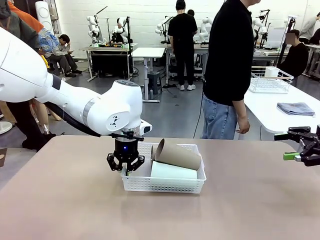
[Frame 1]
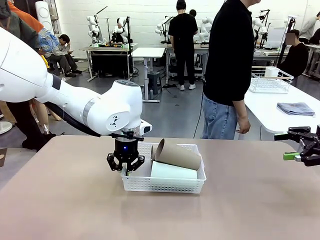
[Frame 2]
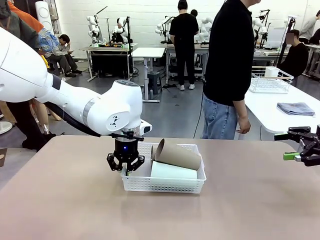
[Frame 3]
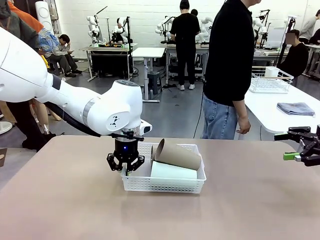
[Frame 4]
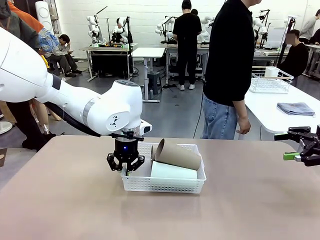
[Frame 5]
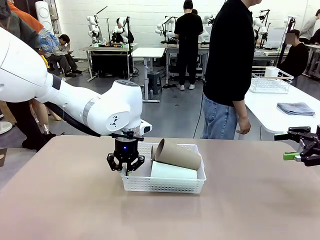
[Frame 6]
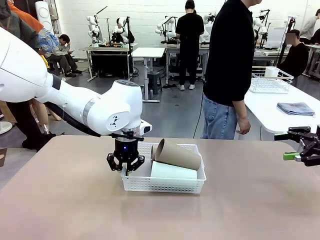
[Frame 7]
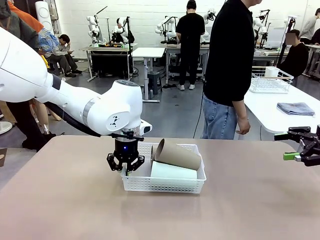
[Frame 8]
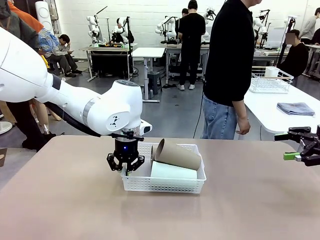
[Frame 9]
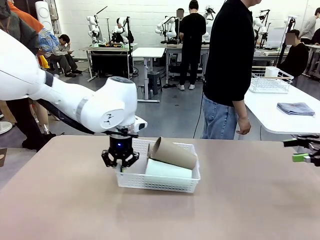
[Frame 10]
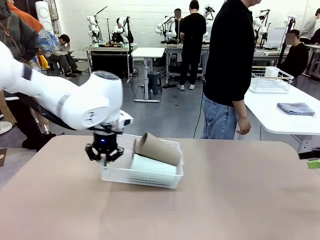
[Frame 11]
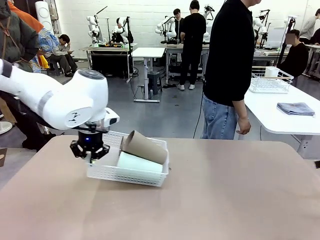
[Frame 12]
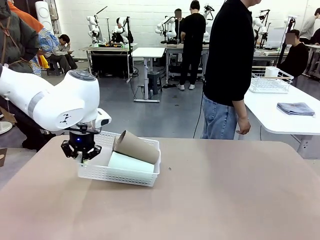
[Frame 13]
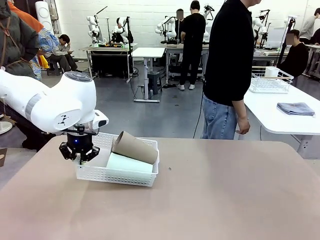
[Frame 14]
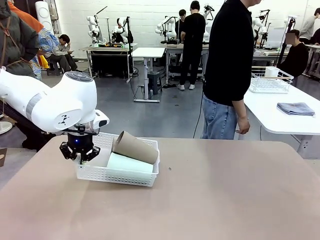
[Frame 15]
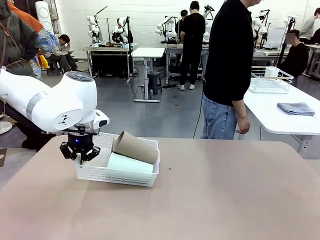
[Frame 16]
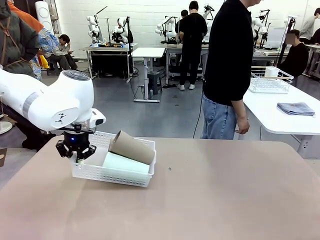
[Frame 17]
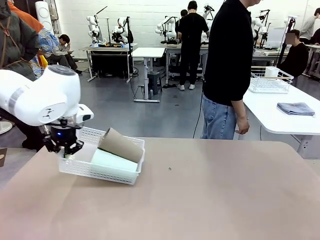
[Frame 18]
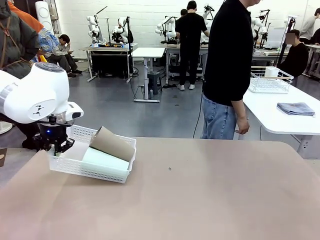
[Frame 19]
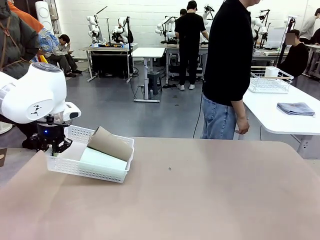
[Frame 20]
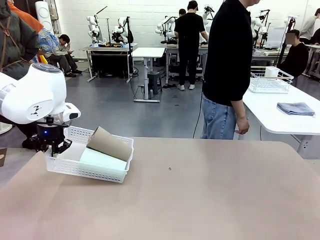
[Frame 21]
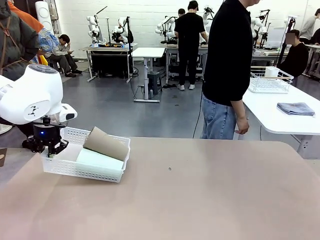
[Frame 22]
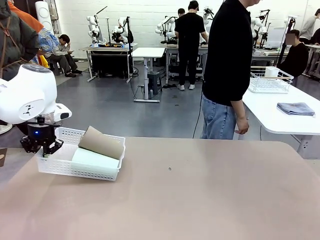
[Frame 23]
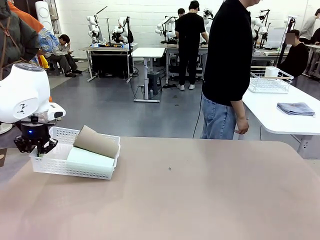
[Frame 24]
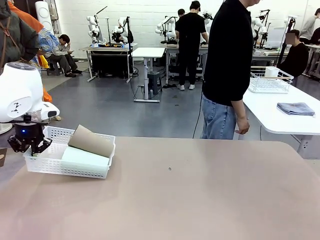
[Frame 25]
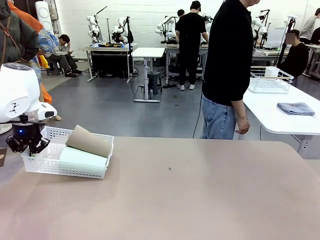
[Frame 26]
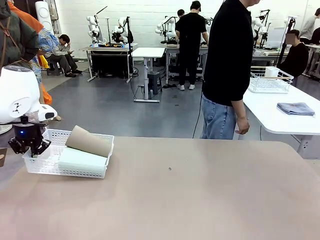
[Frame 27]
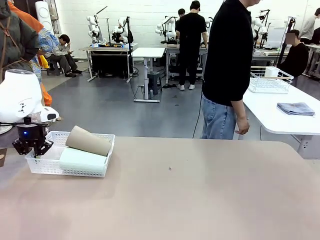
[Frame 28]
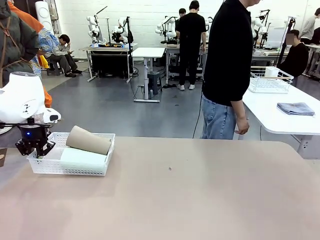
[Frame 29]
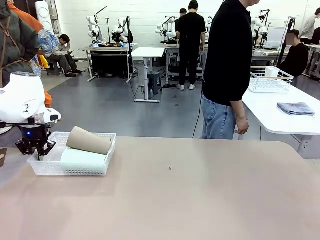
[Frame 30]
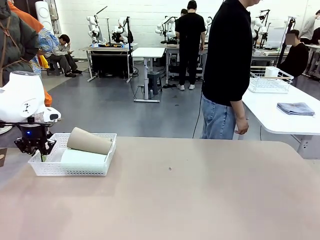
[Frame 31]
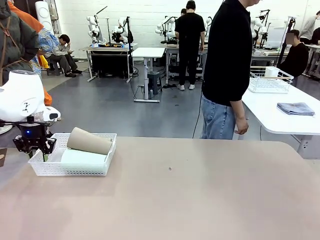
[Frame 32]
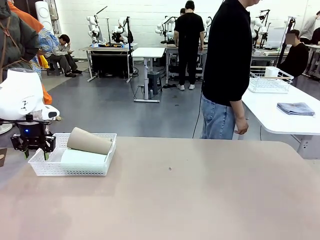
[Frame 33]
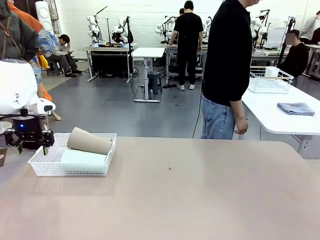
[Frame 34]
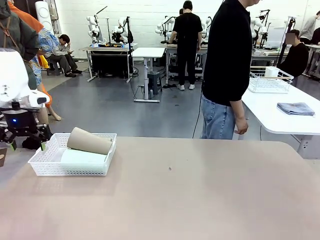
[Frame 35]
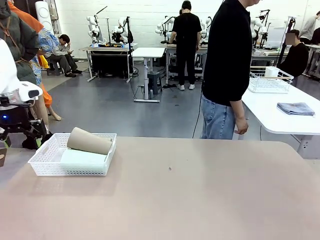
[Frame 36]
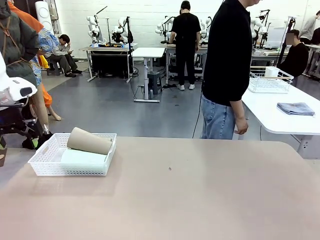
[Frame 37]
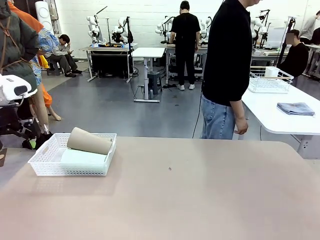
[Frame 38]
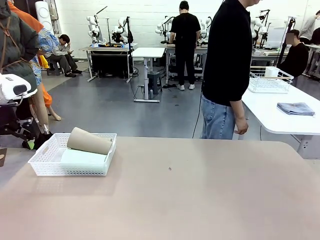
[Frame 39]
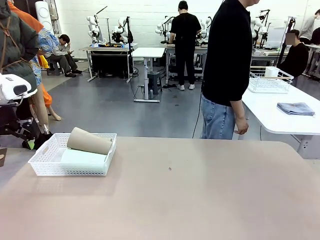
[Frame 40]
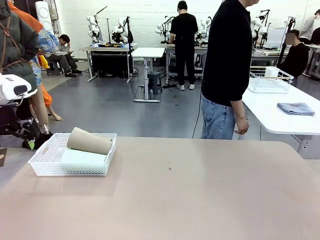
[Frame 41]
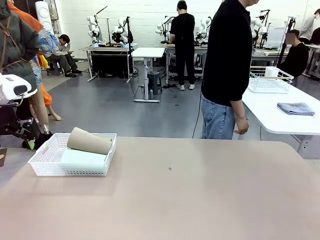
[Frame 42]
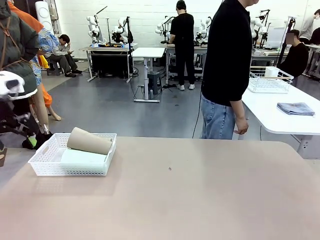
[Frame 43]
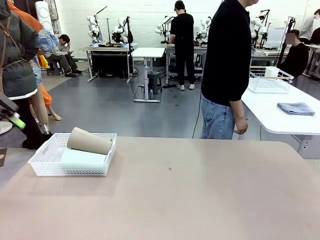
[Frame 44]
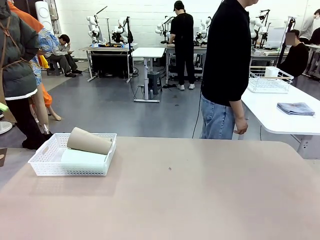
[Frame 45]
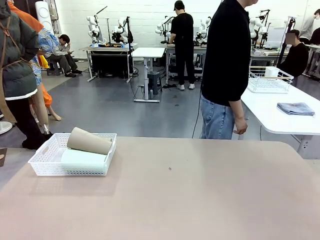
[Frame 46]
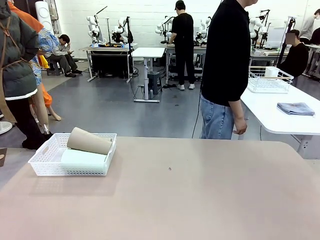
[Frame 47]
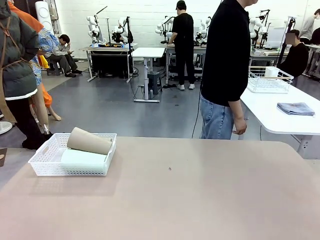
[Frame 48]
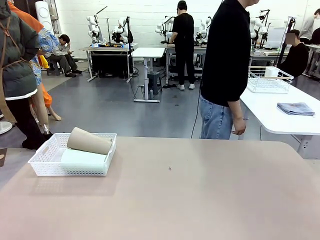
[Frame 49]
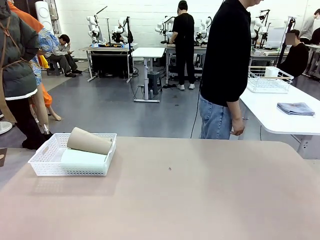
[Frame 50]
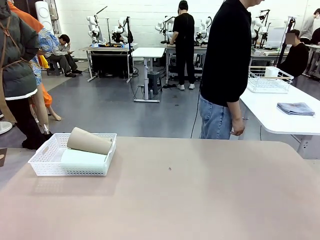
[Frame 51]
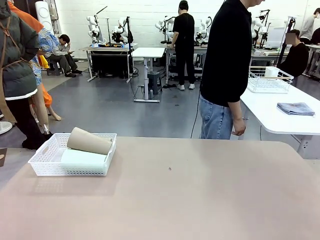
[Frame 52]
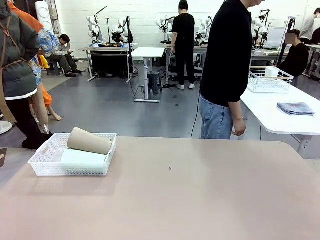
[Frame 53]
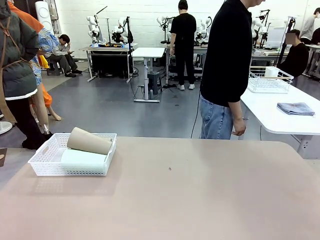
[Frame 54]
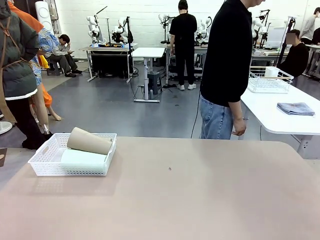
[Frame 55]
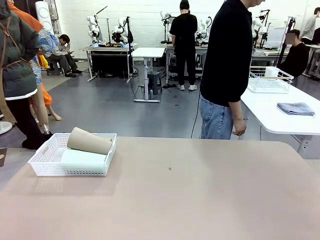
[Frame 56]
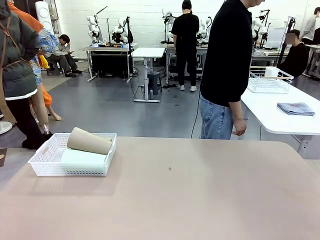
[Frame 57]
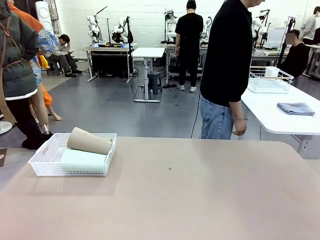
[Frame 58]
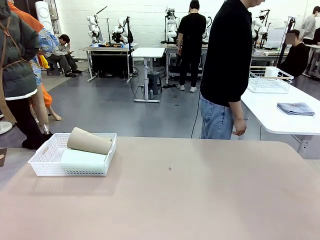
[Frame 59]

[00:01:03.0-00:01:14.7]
Task: Clean and organize the cups into the basket.
Robot: Move the Organizing basket back to the left side of the table.

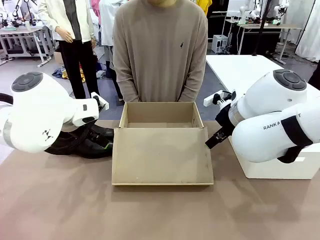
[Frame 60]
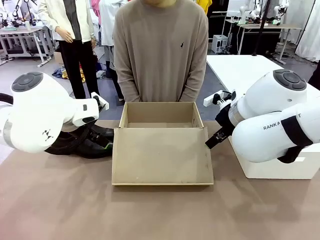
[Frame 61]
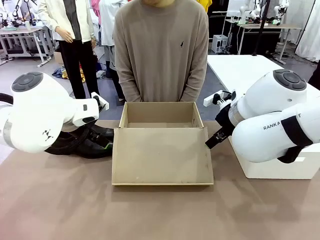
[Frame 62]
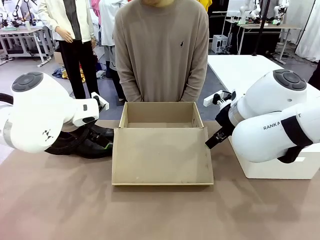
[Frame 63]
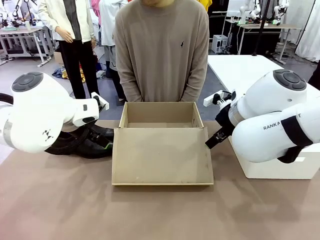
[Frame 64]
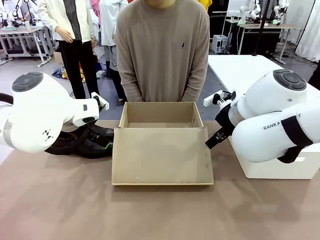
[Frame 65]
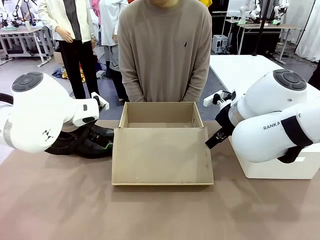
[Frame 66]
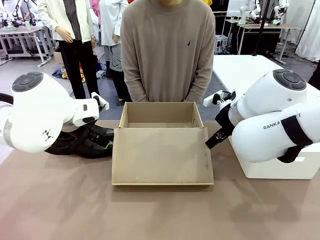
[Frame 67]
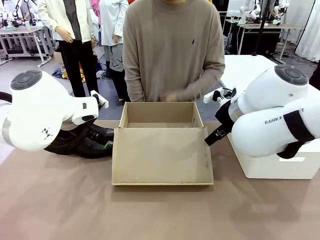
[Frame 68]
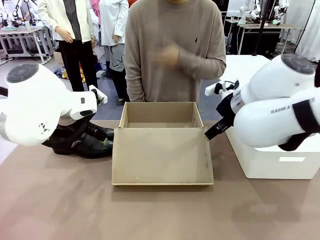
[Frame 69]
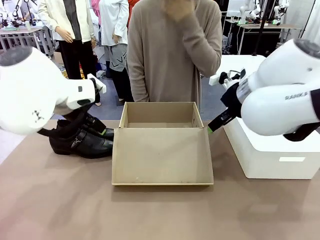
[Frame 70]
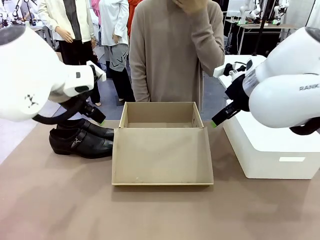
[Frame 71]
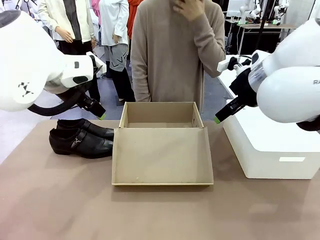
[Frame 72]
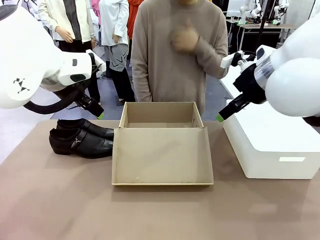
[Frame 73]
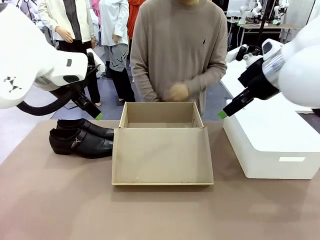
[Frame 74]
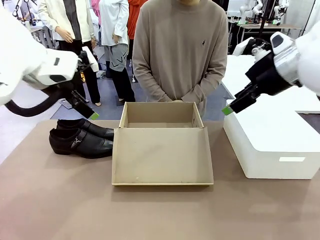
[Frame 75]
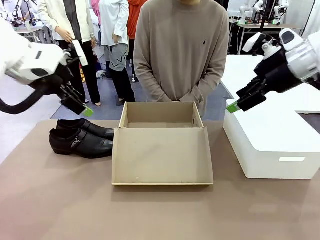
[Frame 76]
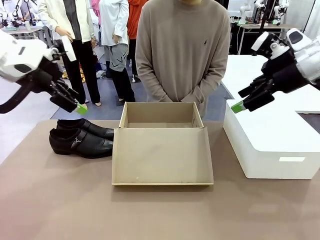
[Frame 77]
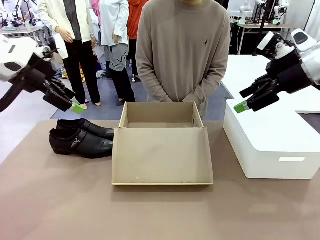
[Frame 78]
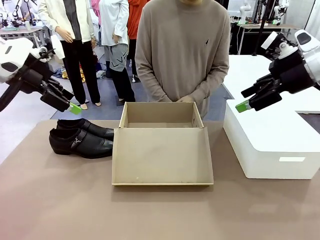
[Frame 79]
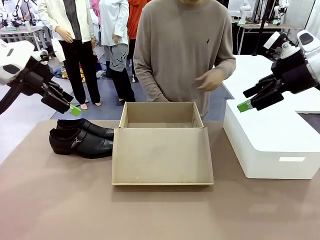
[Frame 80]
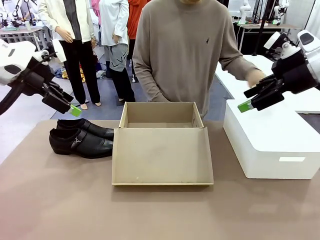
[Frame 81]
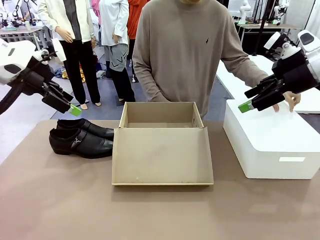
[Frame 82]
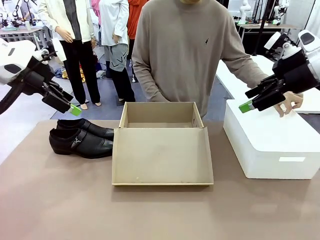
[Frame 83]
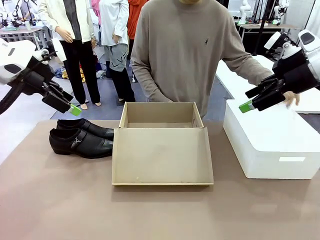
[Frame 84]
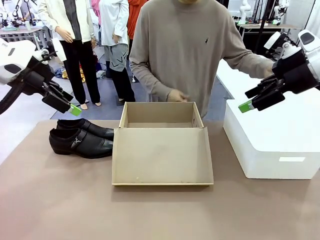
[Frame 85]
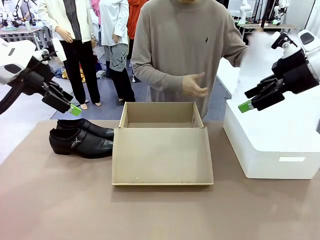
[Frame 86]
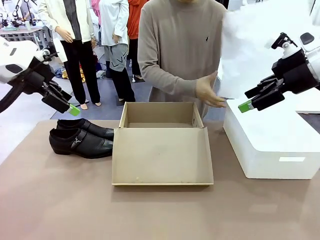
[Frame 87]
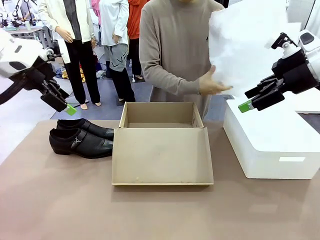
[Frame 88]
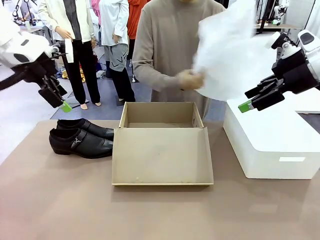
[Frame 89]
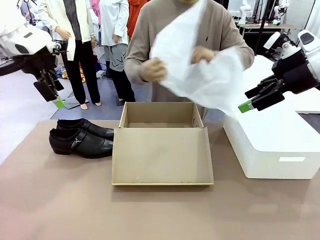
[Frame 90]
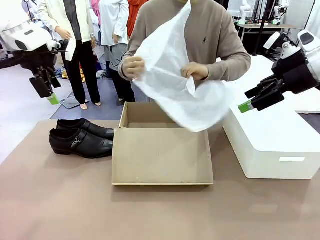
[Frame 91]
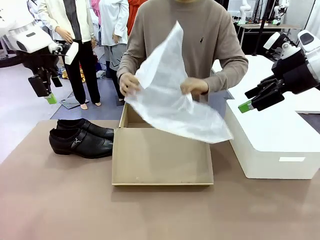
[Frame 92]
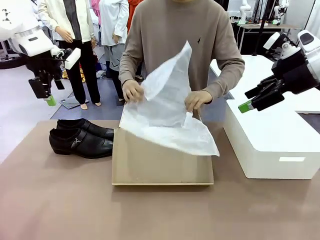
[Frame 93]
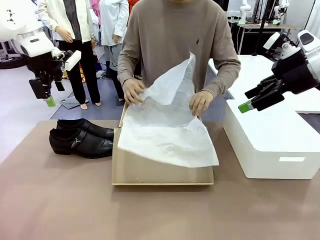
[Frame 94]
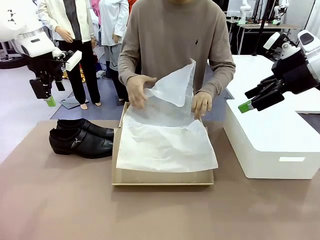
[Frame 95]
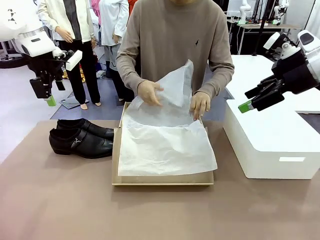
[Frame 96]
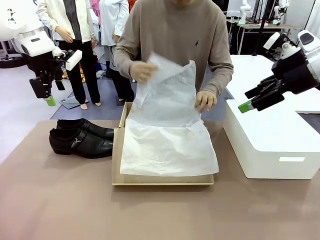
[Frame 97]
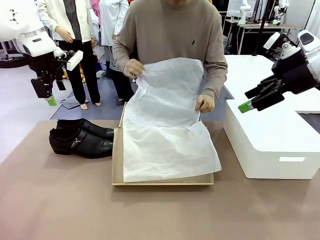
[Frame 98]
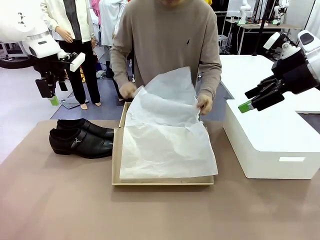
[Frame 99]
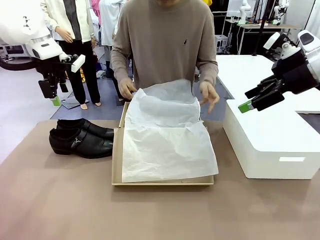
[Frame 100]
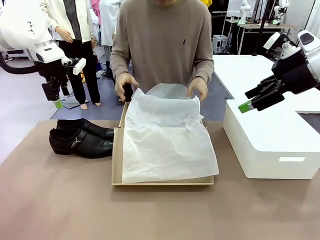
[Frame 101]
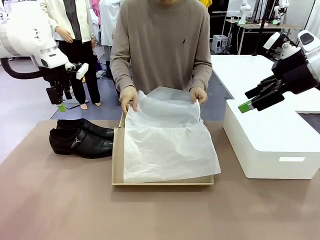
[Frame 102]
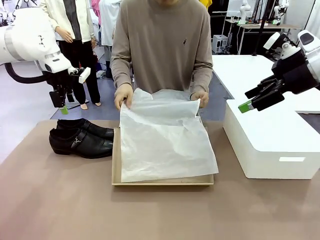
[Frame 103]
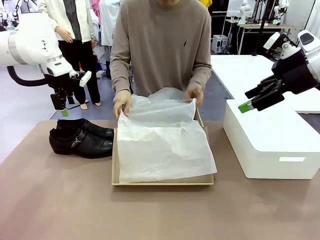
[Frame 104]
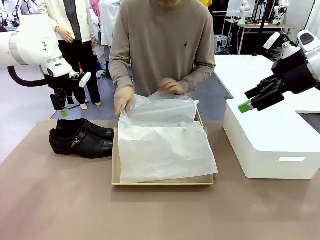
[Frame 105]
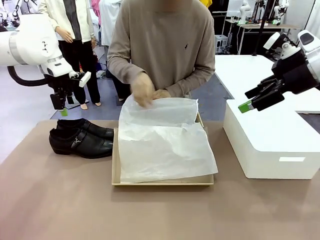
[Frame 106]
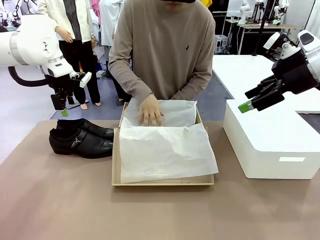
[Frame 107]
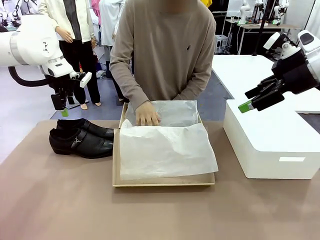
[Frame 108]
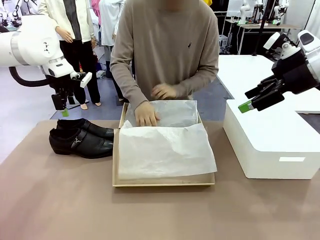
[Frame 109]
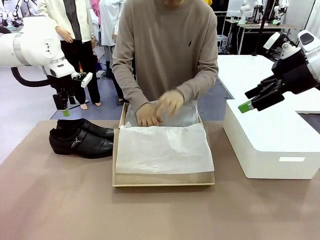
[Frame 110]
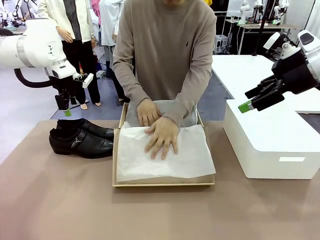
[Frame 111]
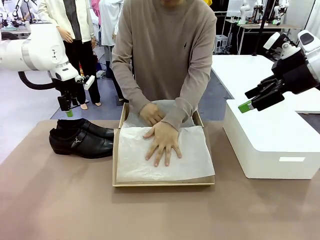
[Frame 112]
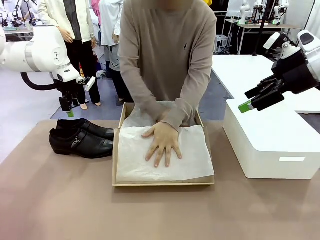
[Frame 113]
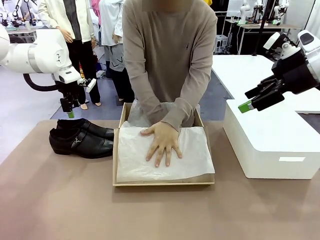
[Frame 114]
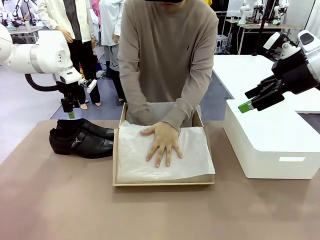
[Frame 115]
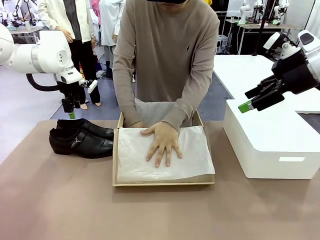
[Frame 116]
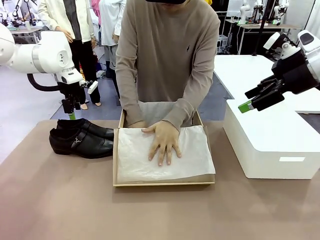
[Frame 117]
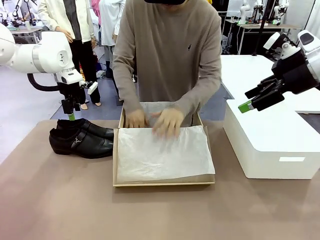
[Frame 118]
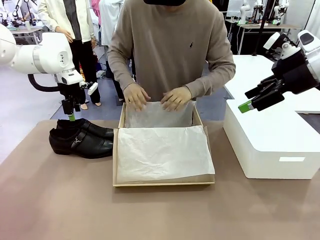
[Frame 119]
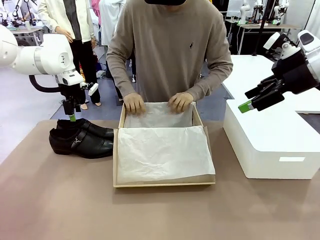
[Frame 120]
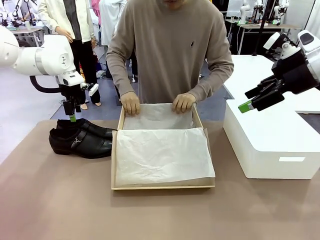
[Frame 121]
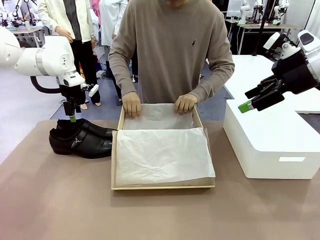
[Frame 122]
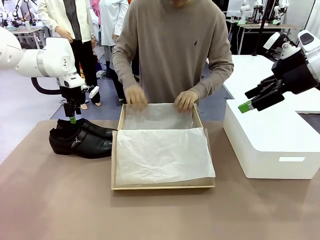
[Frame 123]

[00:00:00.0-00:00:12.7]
Task: Pack the shoes into the box.
Robot: Place one shoe of the Shoes into the Shoes Box.
Person: Spread Shoes Wrapping Paper and place inside the Shoes Box.
